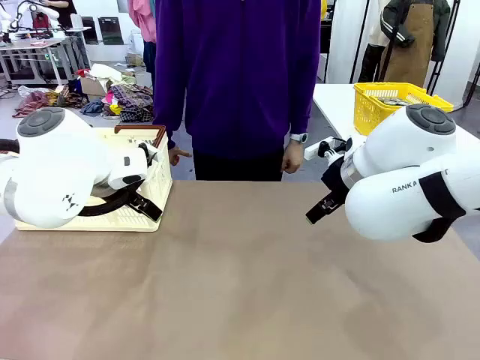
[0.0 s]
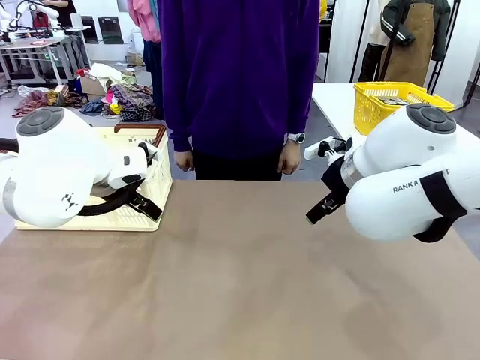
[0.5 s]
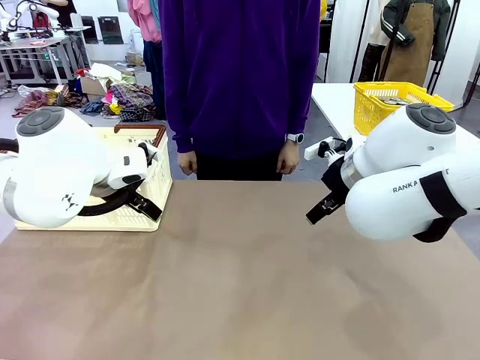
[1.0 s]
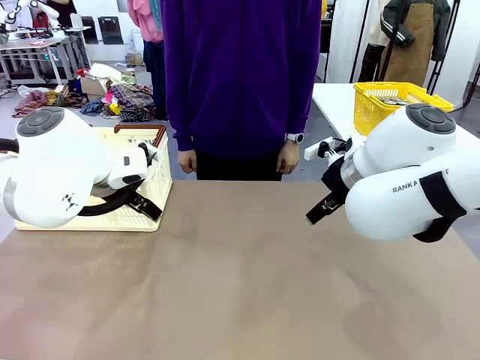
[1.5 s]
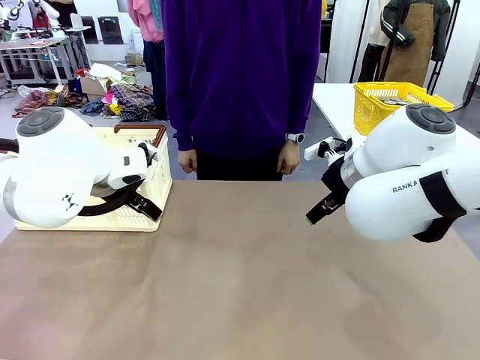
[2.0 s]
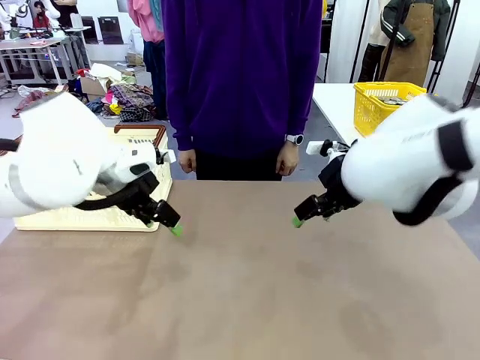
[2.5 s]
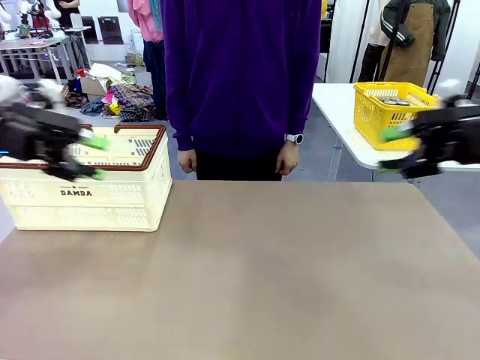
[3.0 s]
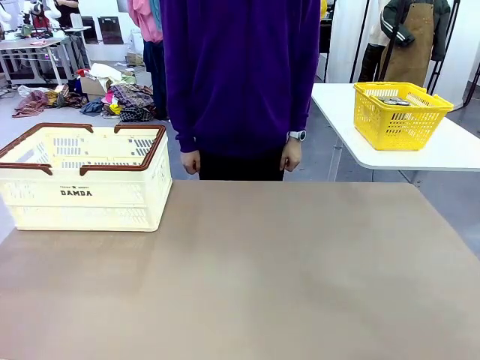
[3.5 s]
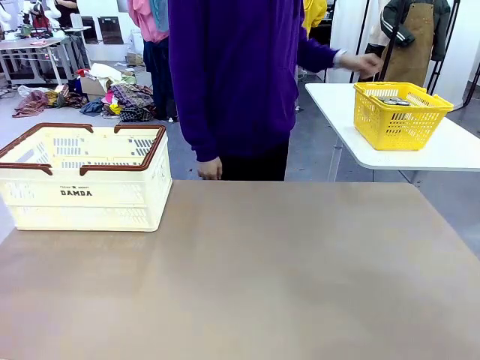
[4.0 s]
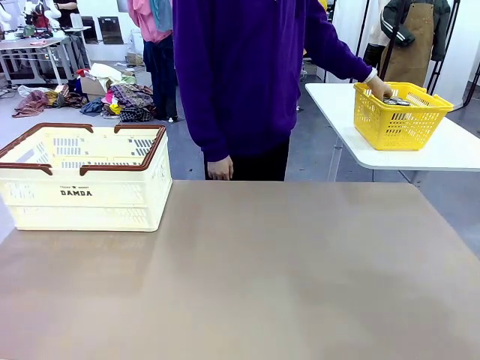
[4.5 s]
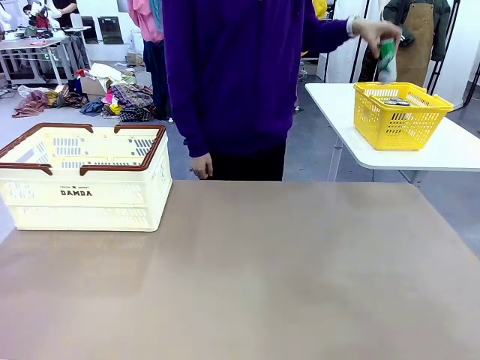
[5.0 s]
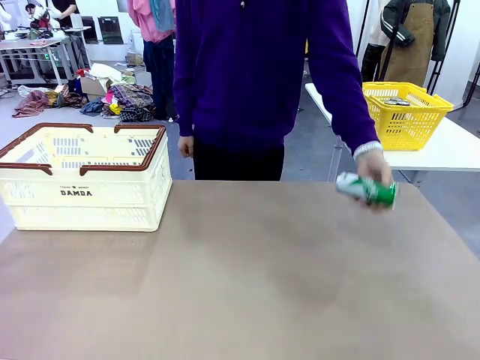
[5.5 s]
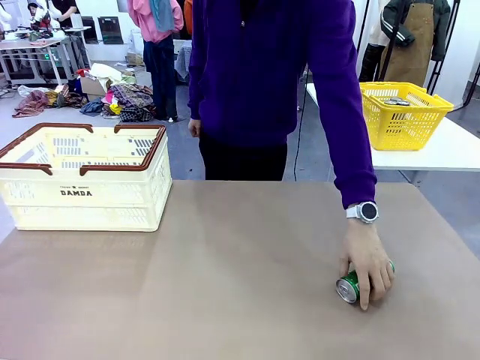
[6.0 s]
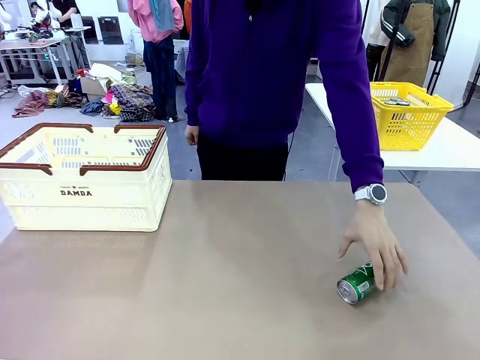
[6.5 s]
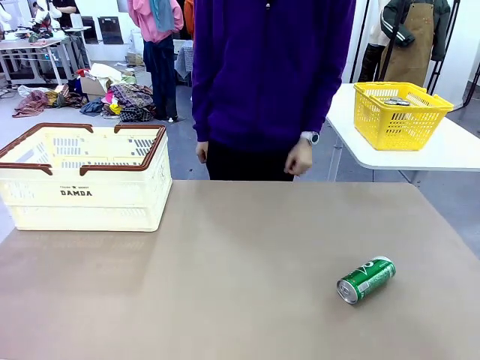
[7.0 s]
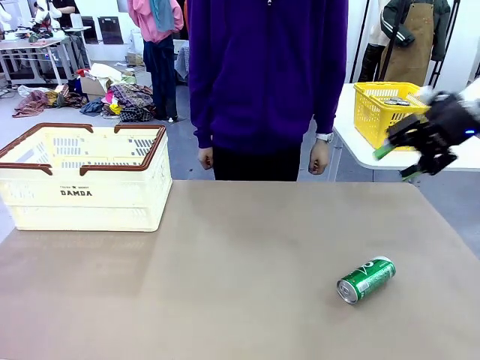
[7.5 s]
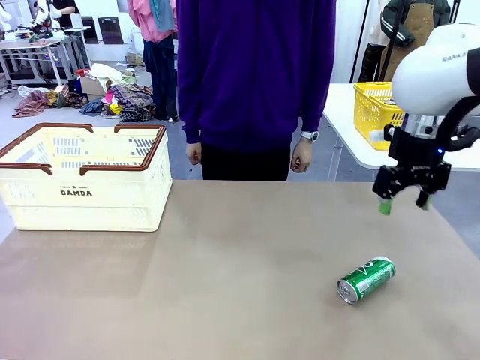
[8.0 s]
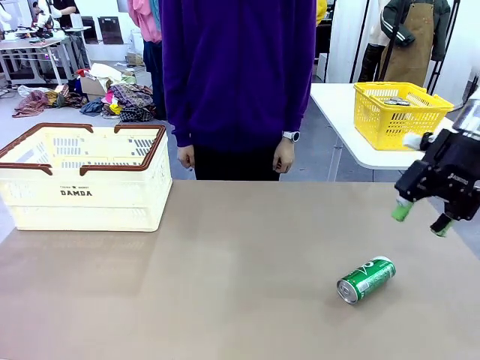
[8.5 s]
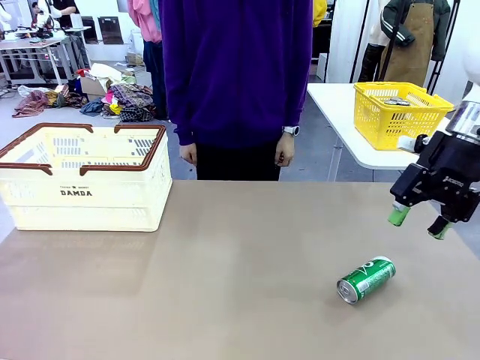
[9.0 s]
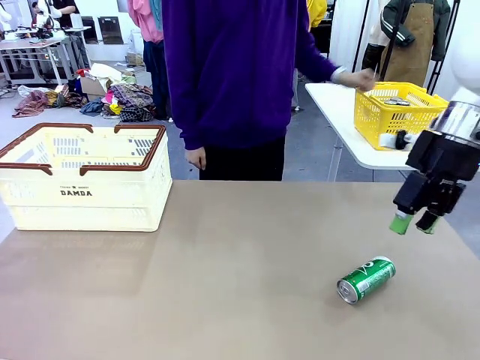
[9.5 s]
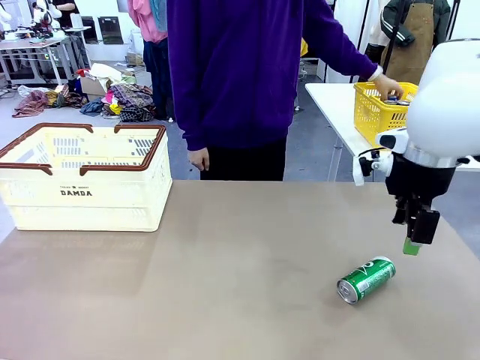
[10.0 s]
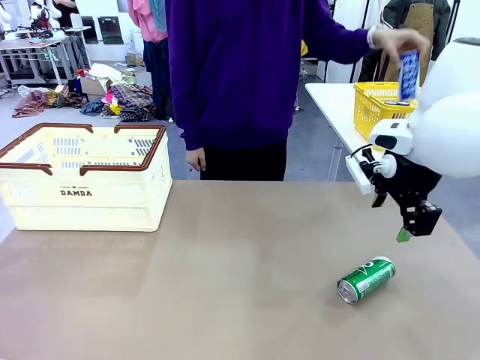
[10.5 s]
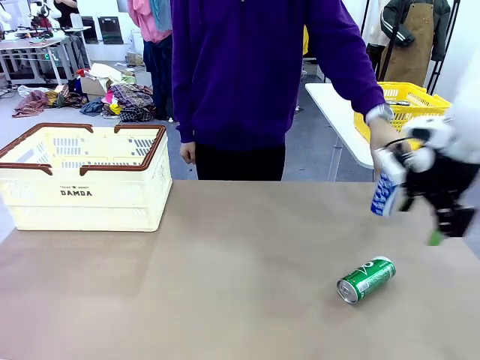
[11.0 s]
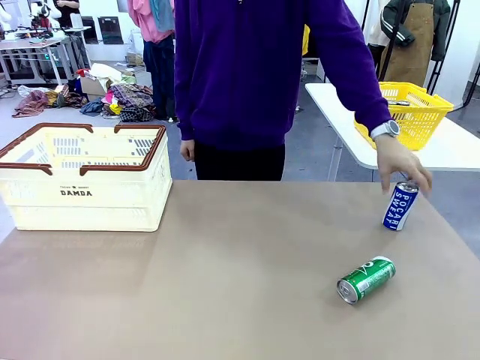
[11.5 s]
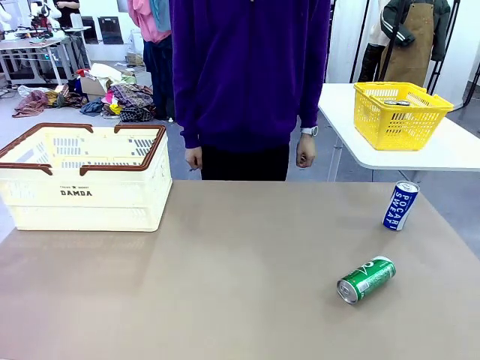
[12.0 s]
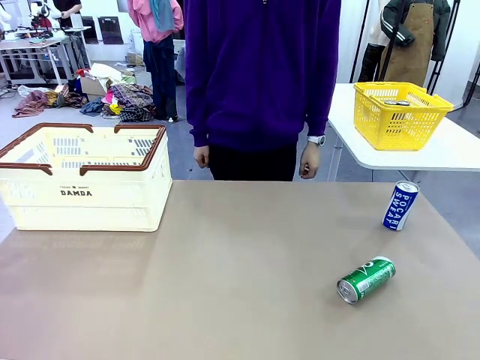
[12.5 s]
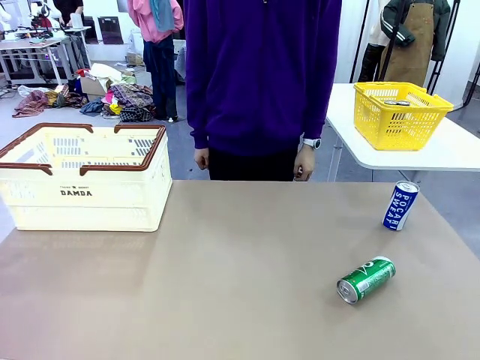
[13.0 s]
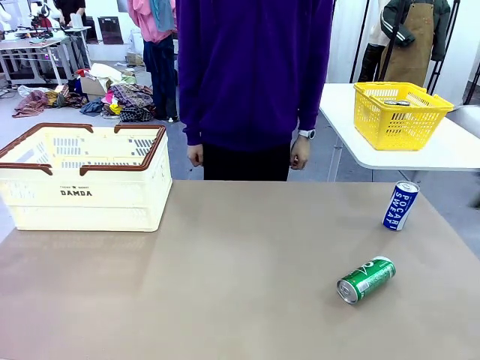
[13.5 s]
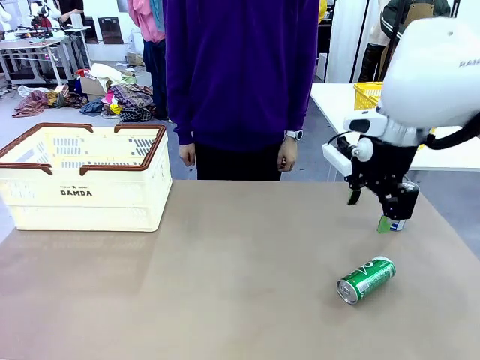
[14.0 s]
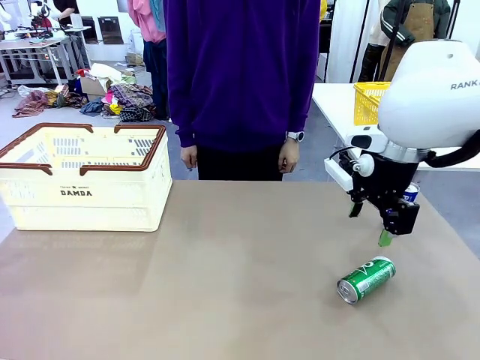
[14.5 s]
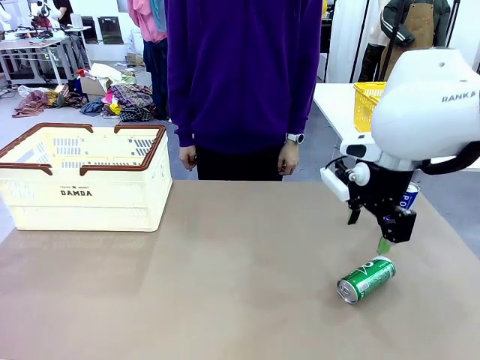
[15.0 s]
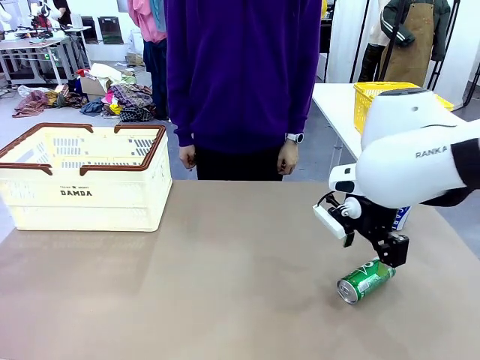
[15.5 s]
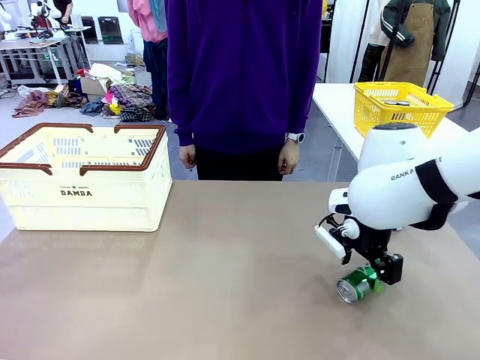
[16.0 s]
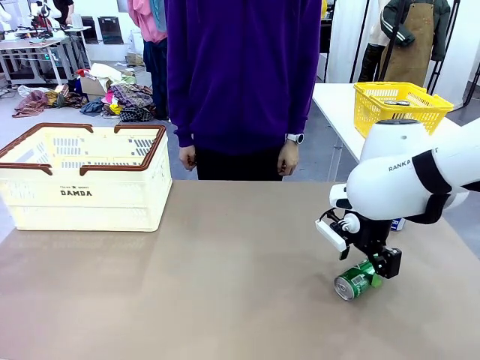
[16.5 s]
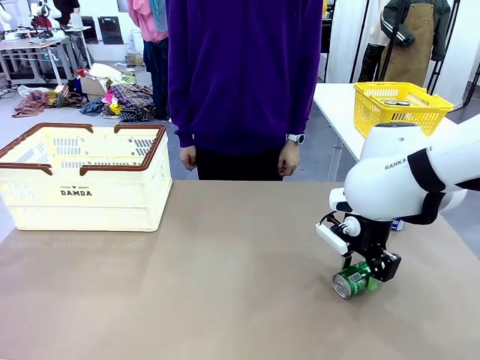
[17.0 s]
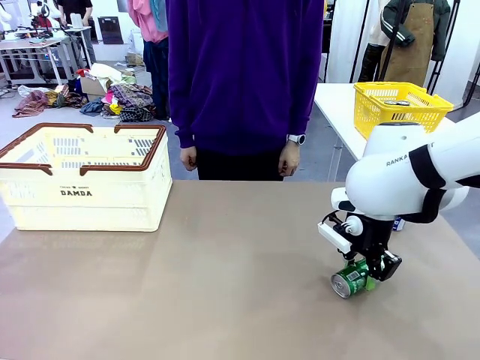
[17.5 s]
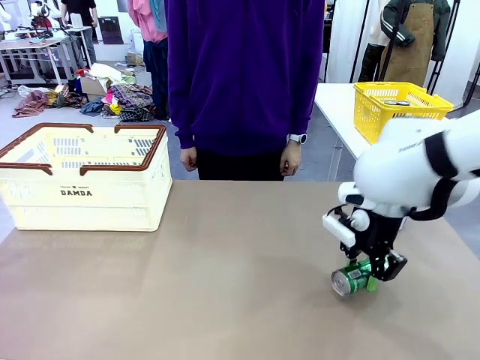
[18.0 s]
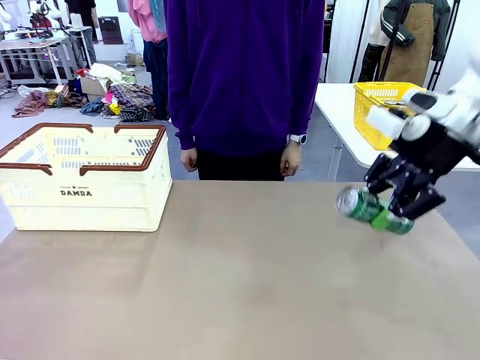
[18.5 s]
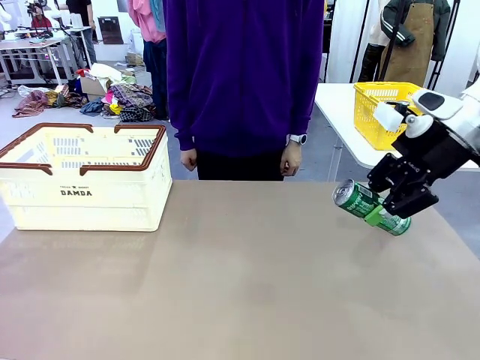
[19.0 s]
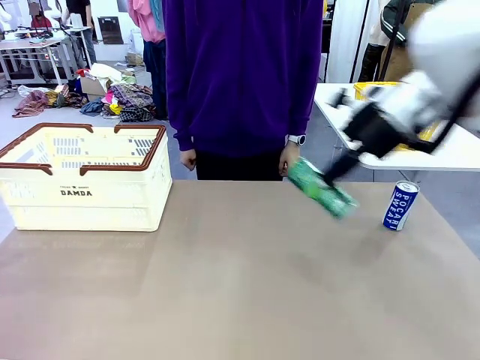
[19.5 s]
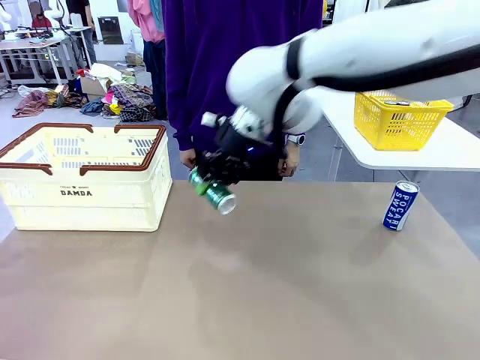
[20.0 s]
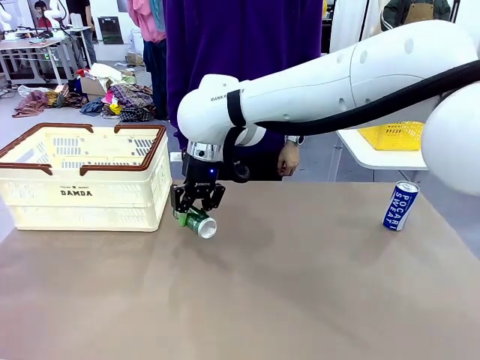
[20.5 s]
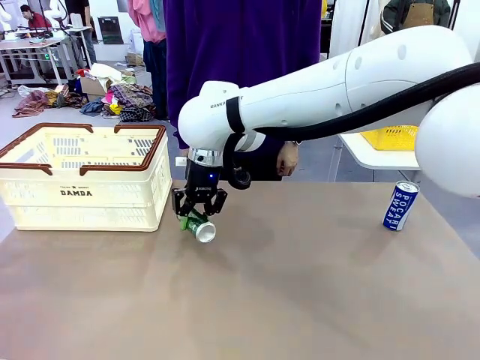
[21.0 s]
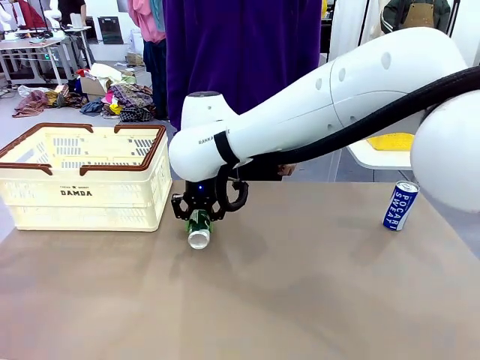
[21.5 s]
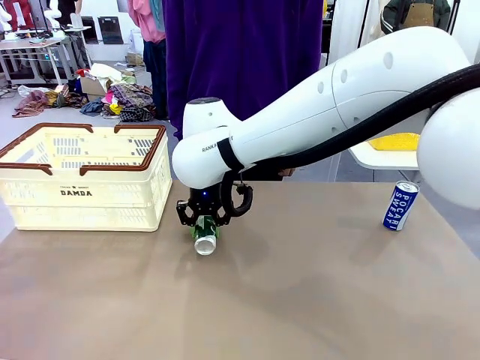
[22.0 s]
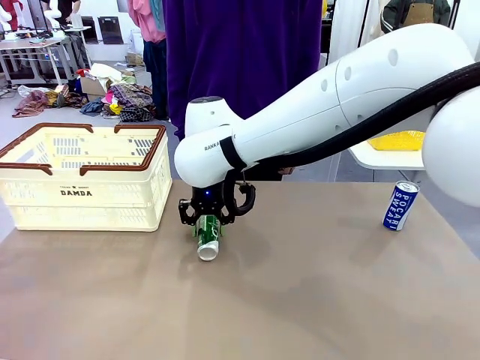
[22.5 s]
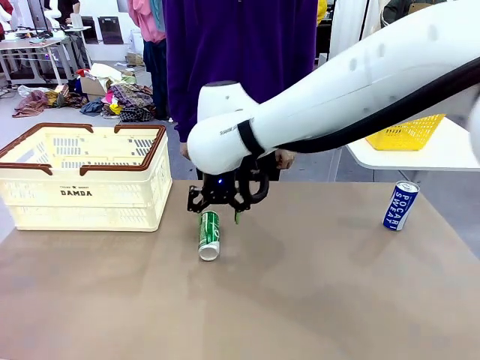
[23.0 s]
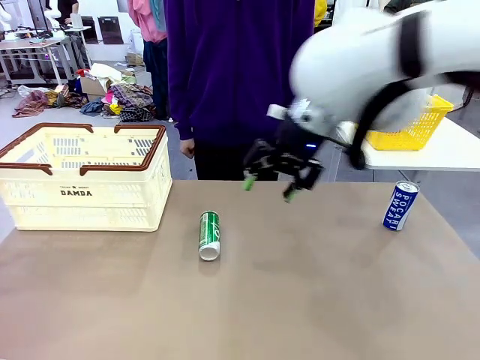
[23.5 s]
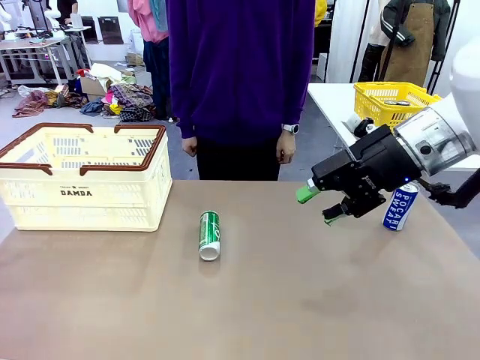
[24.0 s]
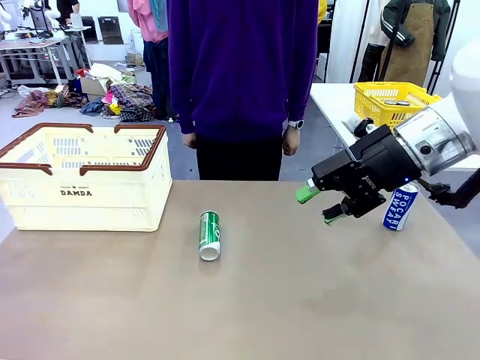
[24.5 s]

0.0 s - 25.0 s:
Task: Place the drinks into the Shopping basket.
Robot: Pick up one drink and place it into the Shopping basket.
